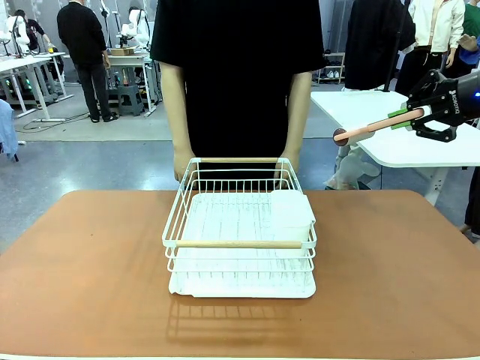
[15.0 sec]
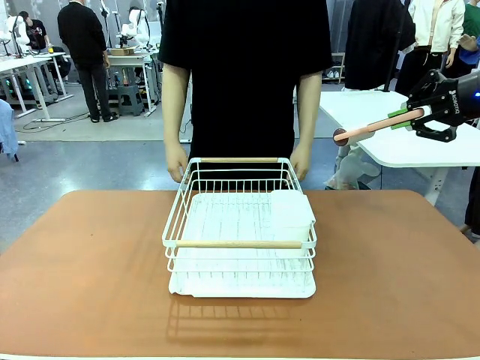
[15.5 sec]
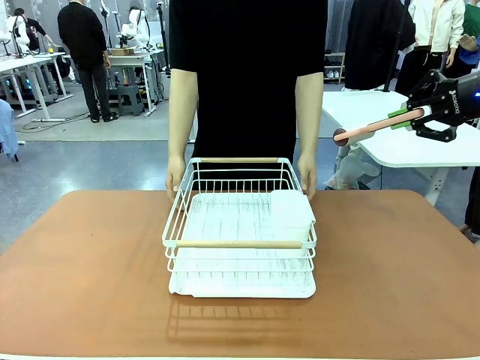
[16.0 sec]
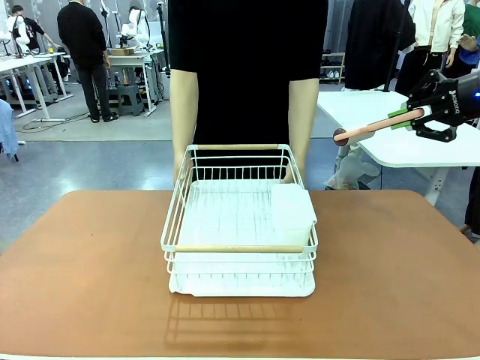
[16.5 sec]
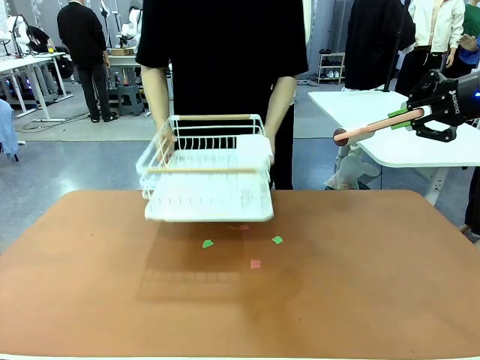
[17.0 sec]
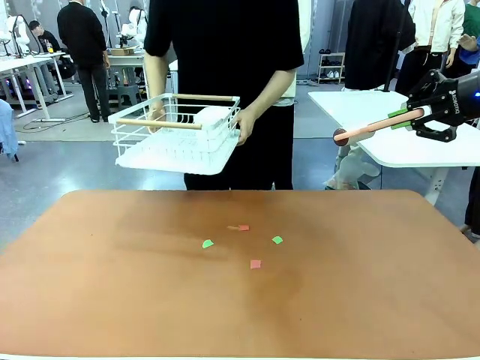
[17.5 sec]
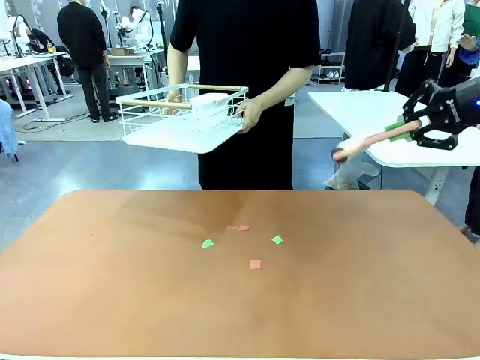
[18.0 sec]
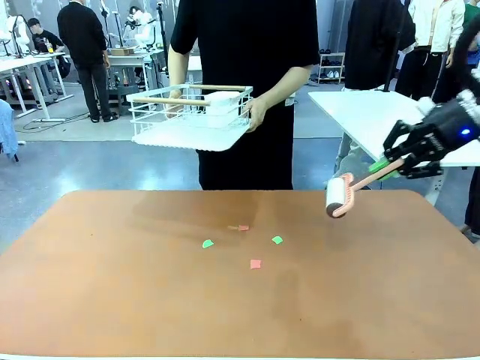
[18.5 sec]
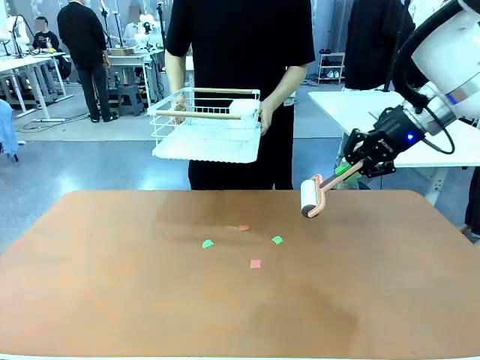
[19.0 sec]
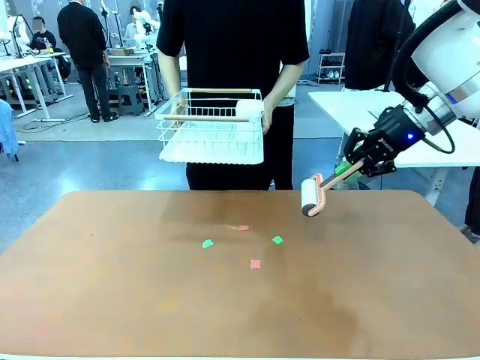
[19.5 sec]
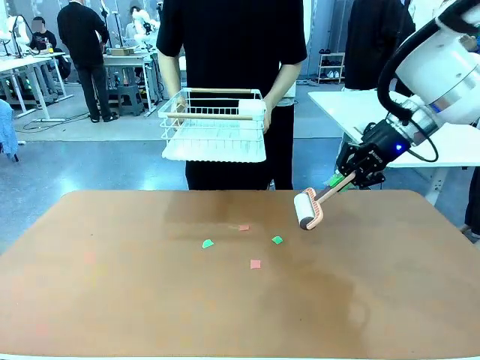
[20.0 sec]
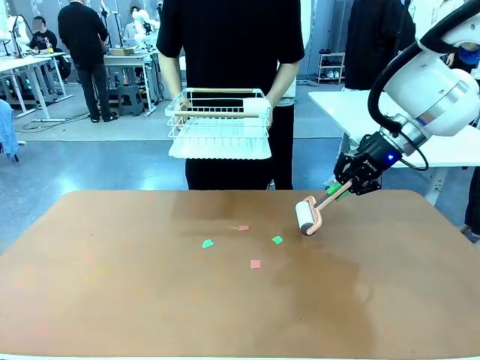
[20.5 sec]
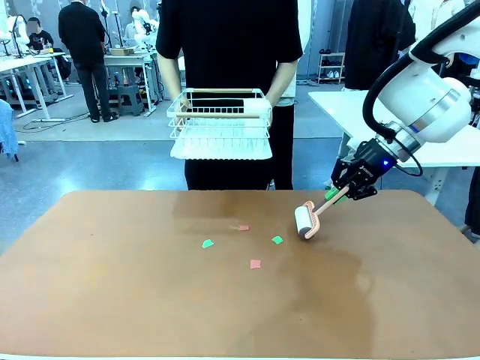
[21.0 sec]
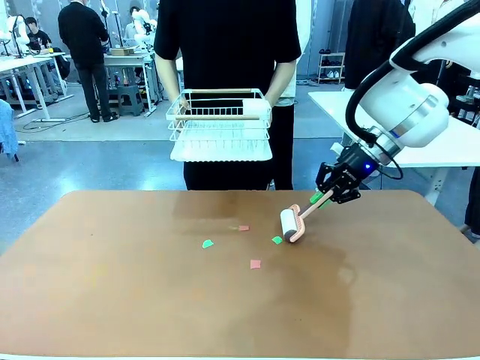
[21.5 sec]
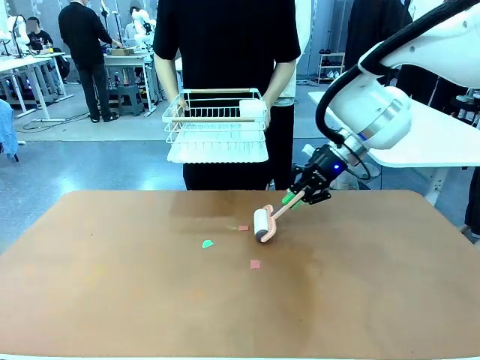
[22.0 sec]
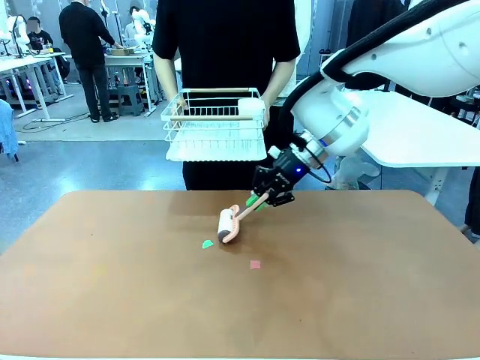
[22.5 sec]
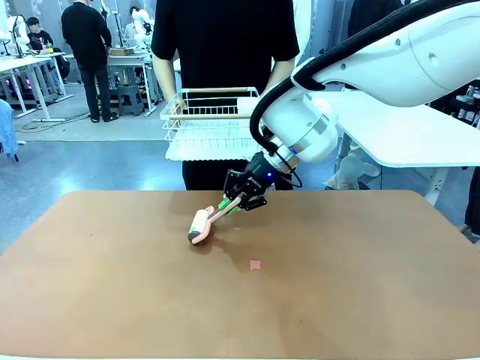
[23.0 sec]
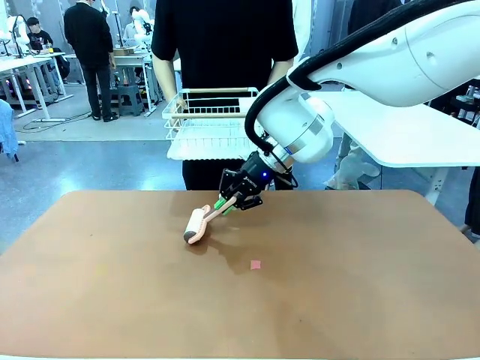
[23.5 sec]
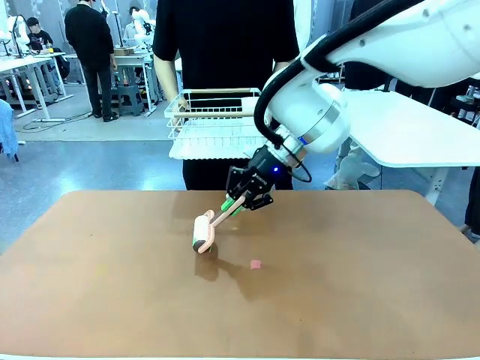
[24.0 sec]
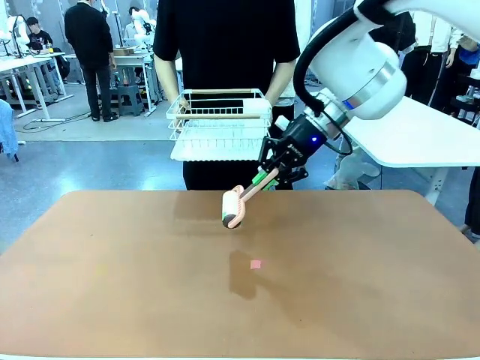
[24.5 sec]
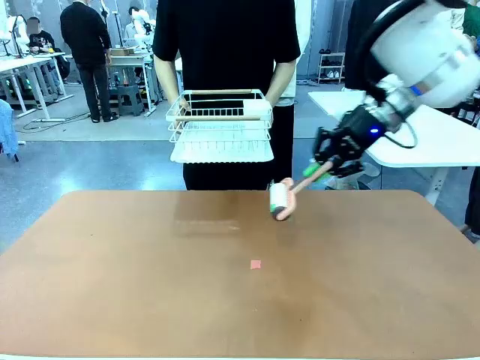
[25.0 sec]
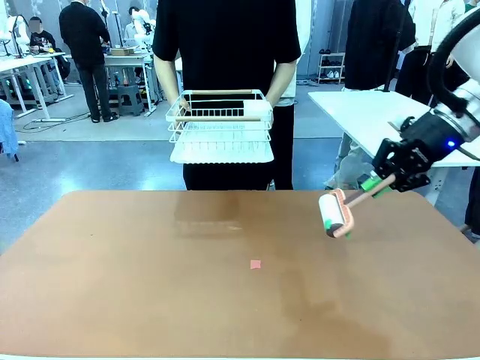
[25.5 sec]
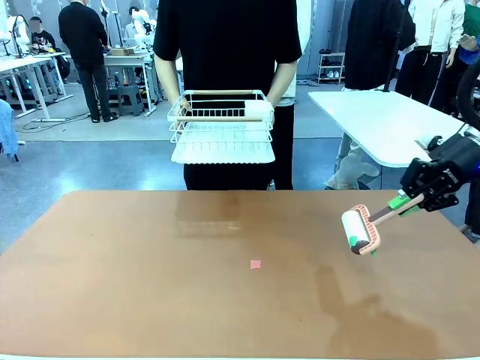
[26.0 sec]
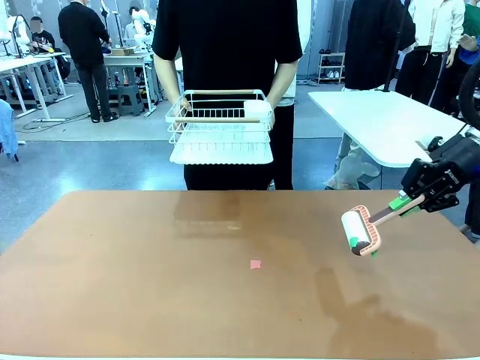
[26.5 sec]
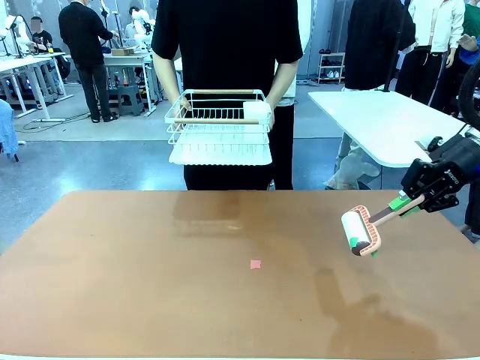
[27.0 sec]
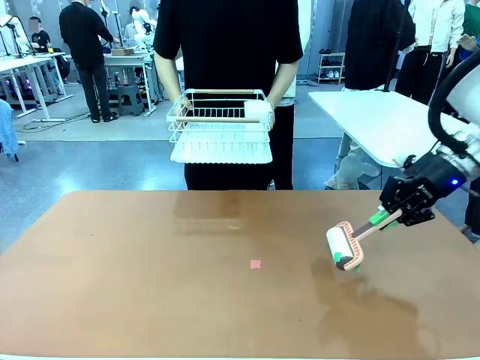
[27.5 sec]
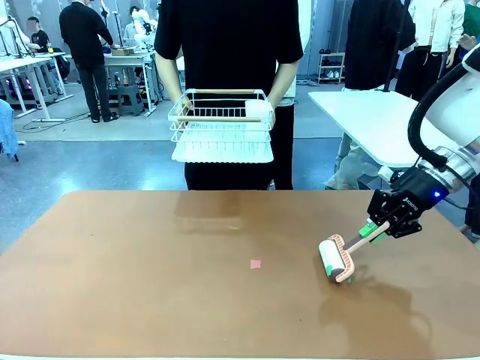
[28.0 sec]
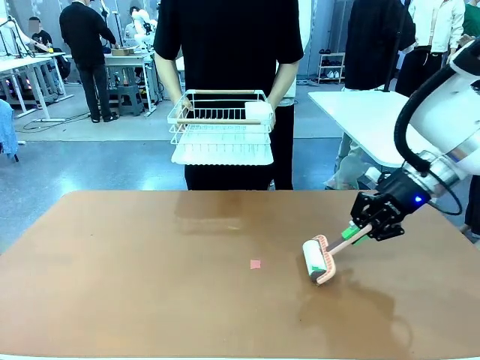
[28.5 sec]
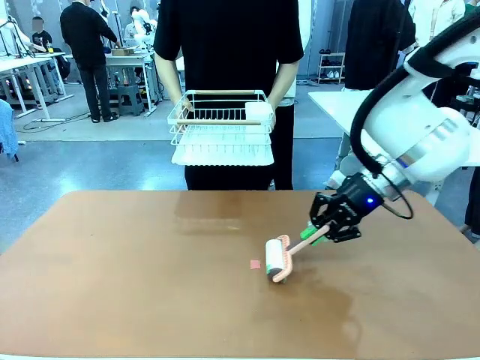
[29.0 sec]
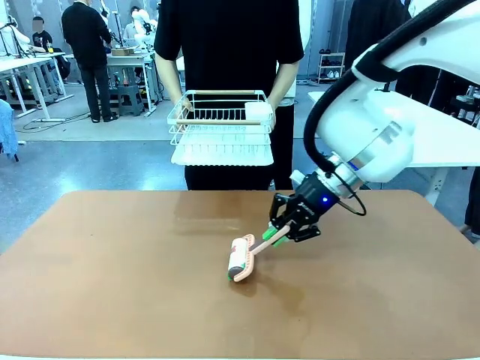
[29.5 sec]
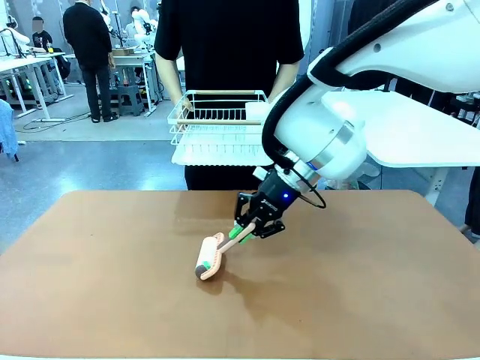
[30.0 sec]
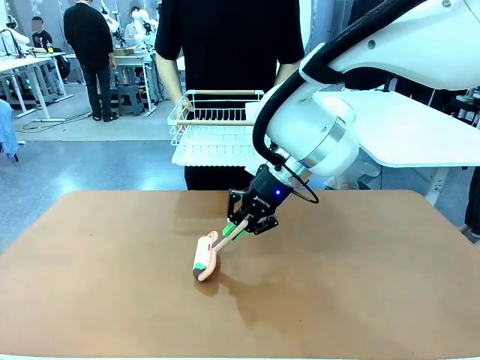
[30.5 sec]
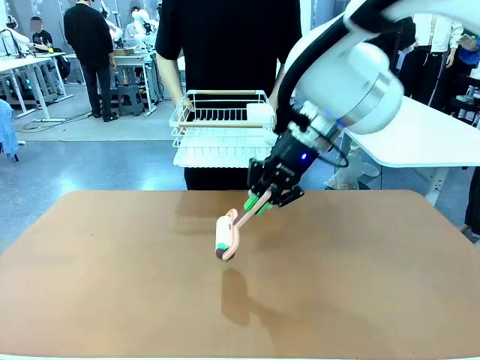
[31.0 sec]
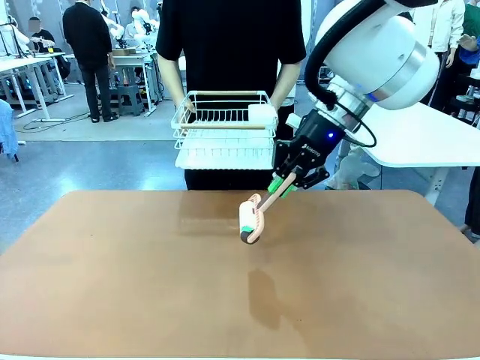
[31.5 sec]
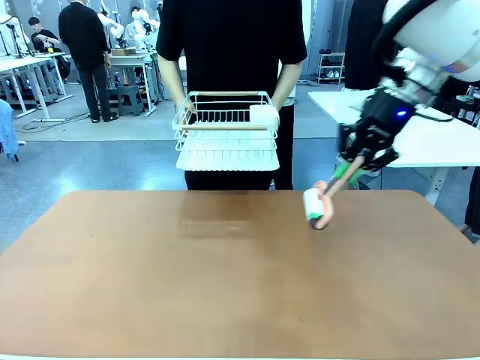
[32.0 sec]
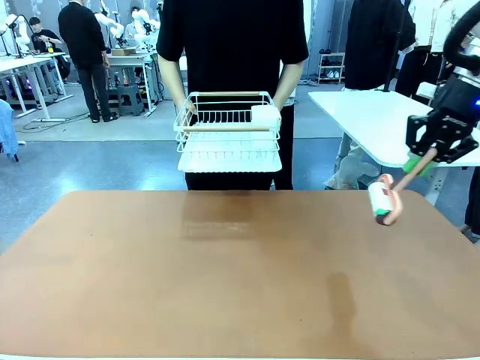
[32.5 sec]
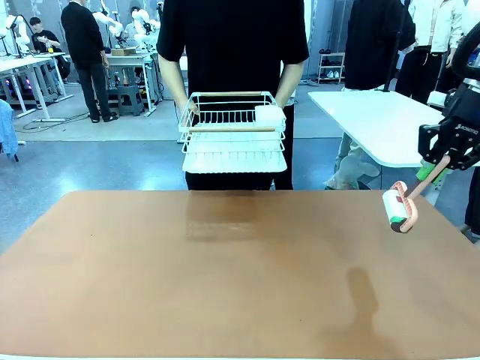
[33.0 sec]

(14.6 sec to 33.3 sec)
Task: Clean the table.
Robot: Clean the table with the Lint Roller when the human lifts the Dish drying rack.
Person: Place the Dish drying rack down when the robot finishes cleaning.
